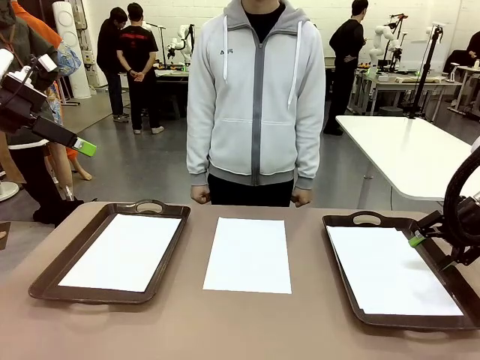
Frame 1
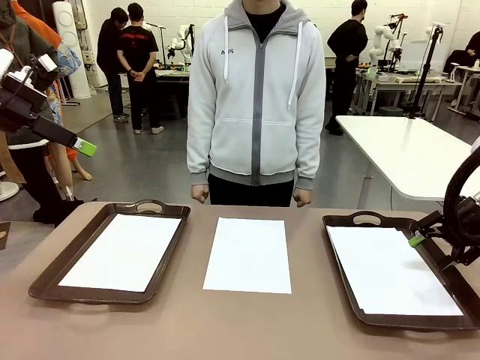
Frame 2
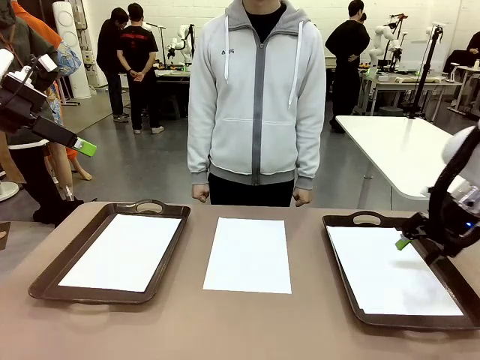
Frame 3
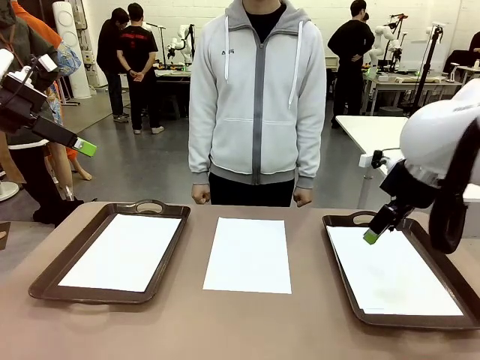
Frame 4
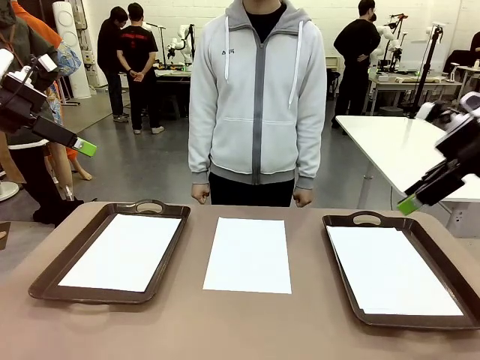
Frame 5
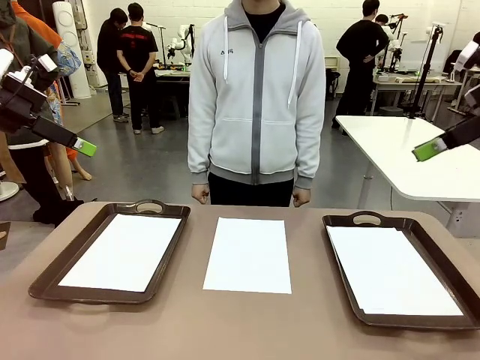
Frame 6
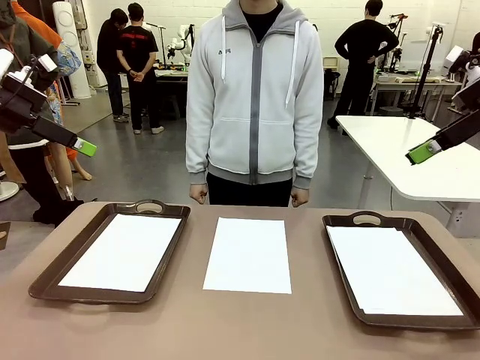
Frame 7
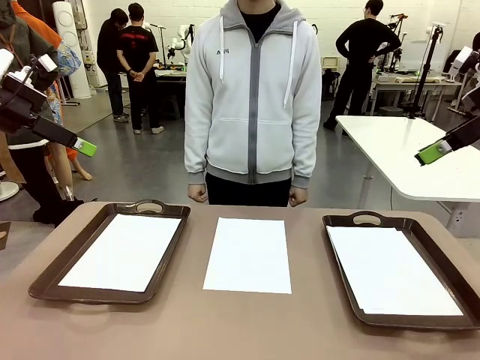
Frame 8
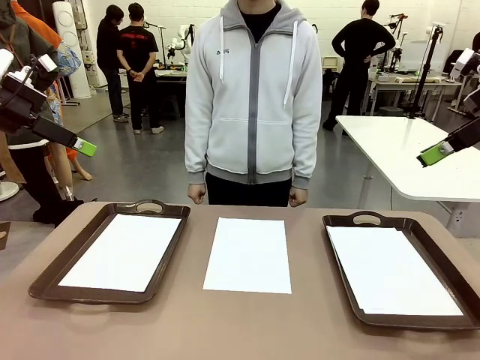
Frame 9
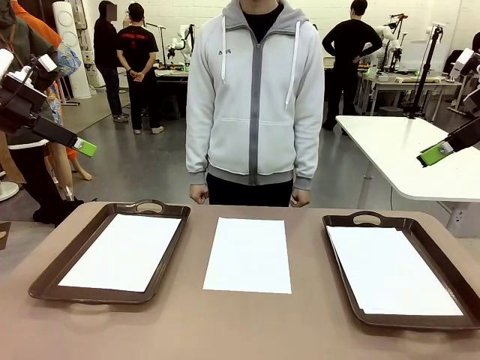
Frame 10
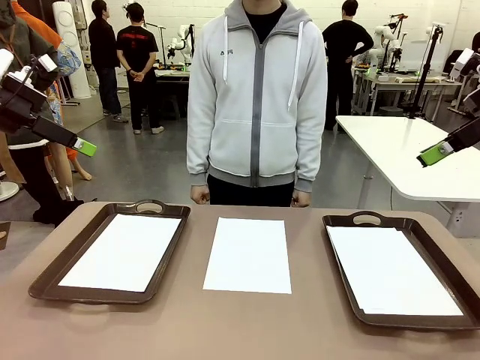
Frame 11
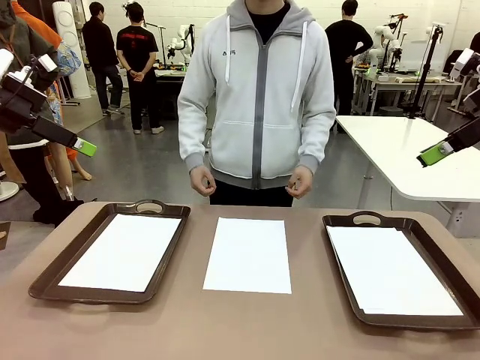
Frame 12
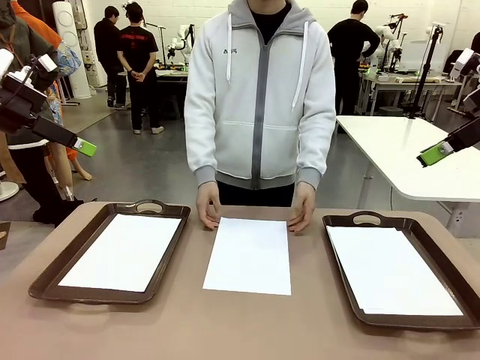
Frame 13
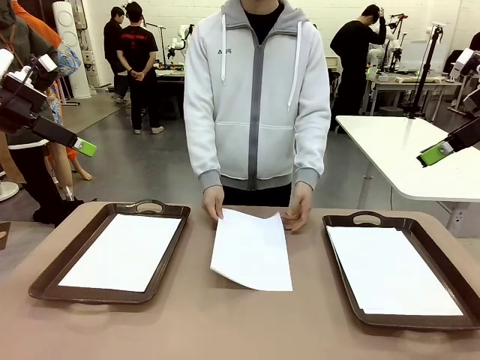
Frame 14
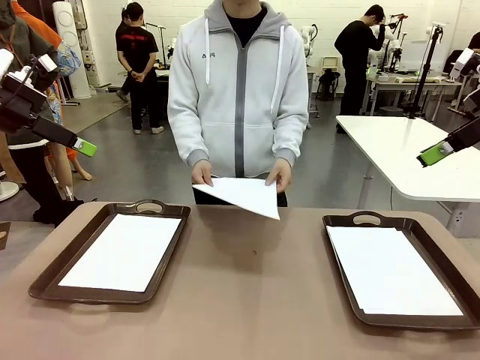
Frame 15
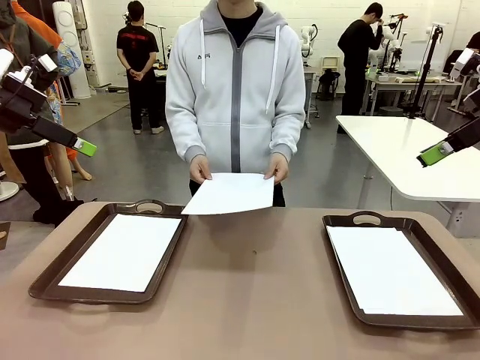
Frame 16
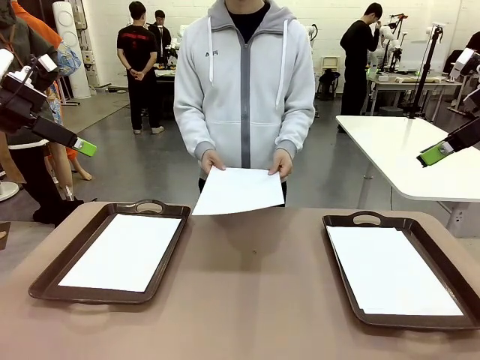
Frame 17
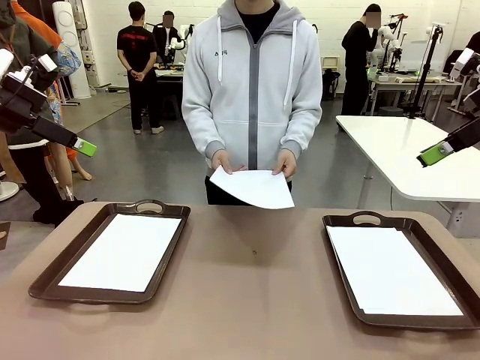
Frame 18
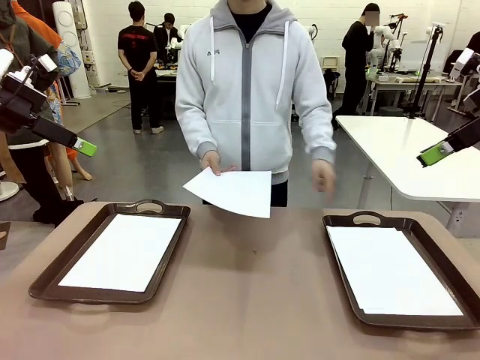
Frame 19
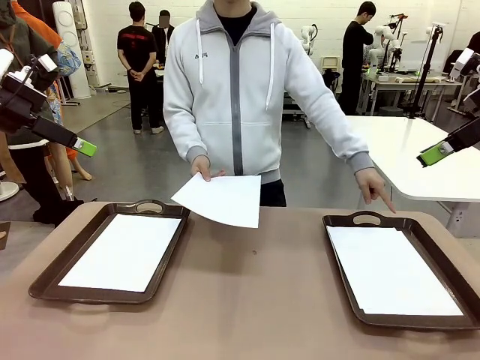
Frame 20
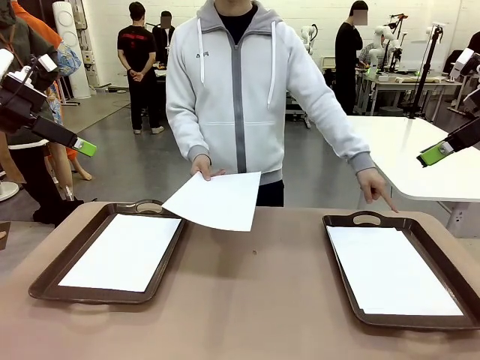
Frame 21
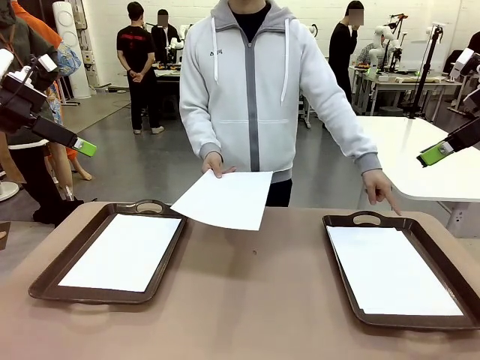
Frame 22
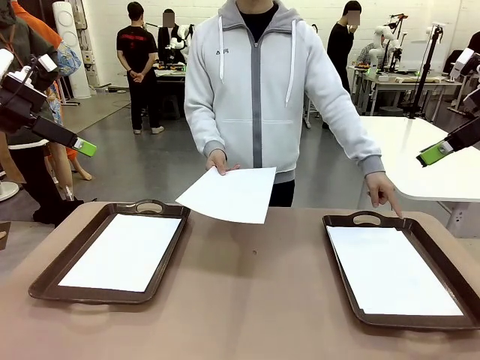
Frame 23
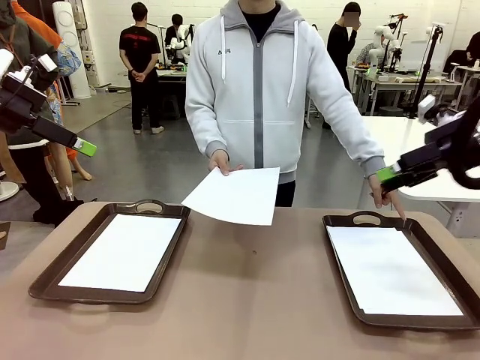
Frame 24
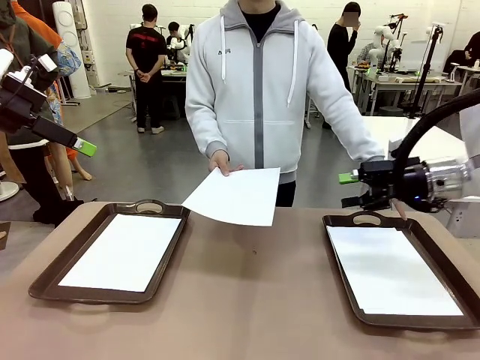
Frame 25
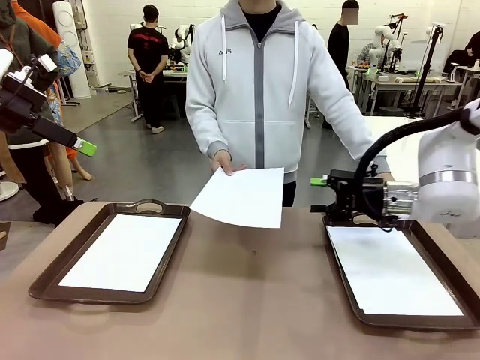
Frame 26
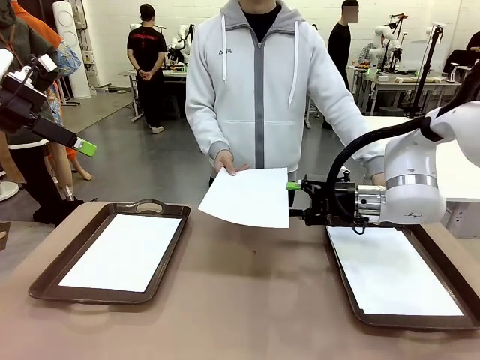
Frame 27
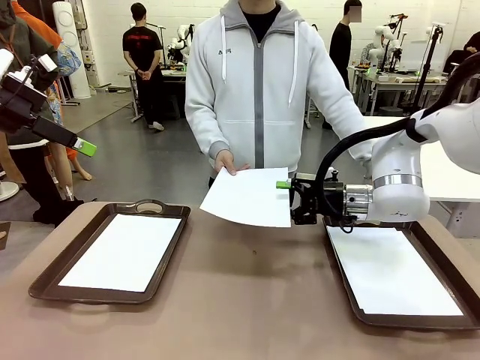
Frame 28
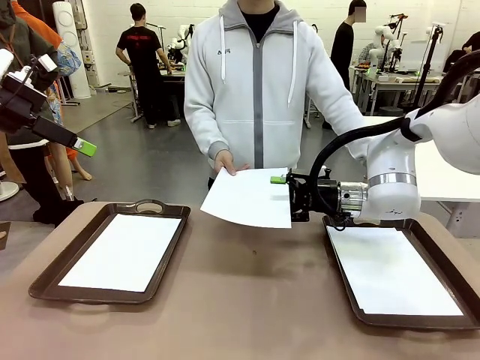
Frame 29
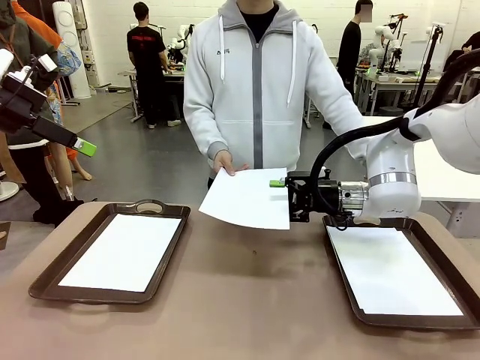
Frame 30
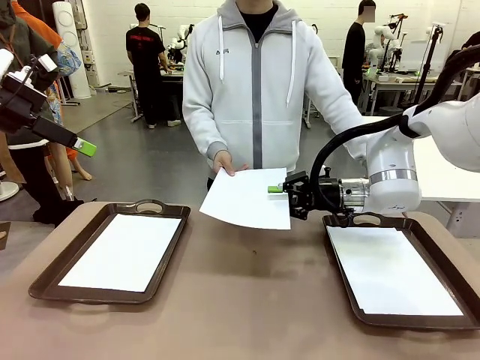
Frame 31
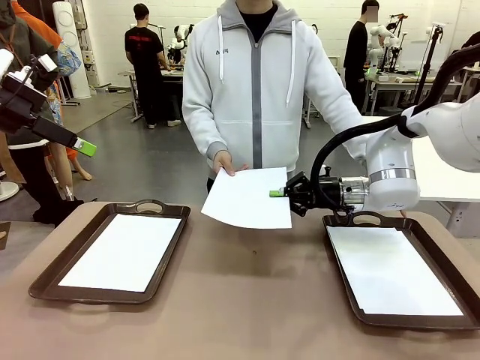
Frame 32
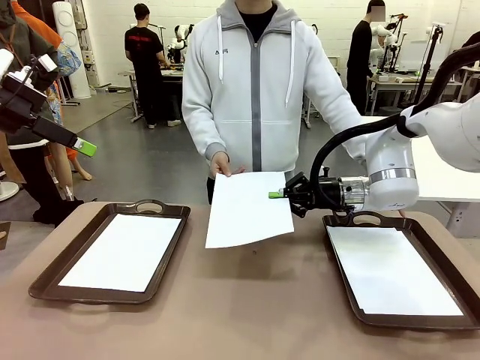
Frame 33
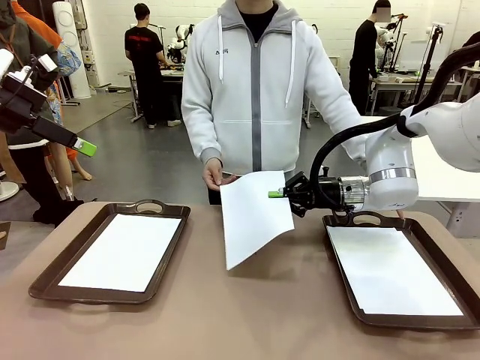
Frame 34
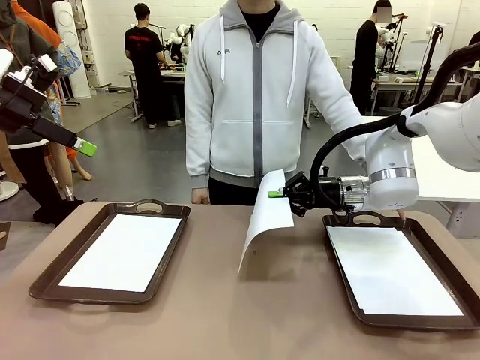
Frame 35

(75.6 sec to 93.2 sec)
Task: Sort the A4 documents.
Robot: Receive the A4 Paper.
Person: Point the randomly selected tray with the other hand.

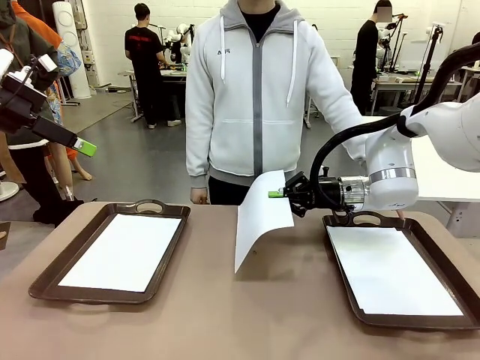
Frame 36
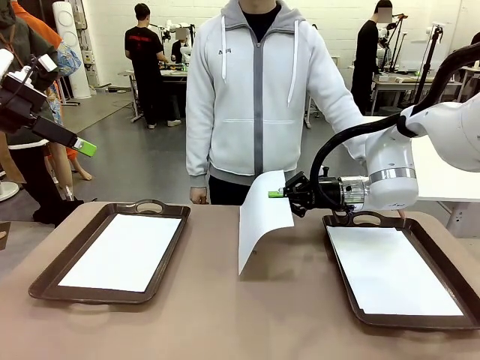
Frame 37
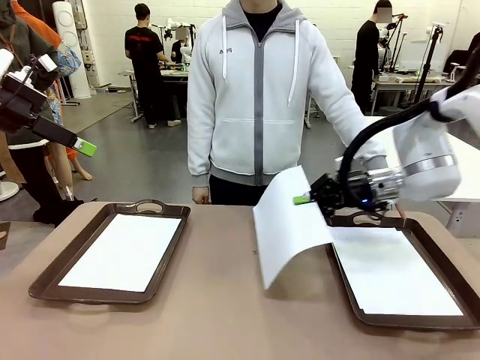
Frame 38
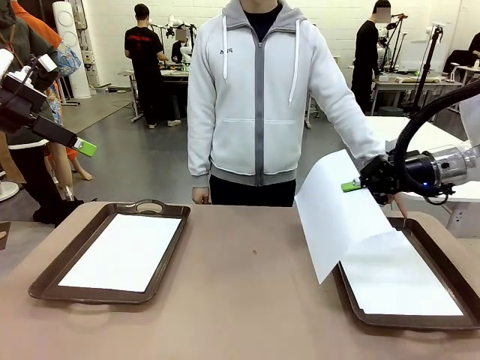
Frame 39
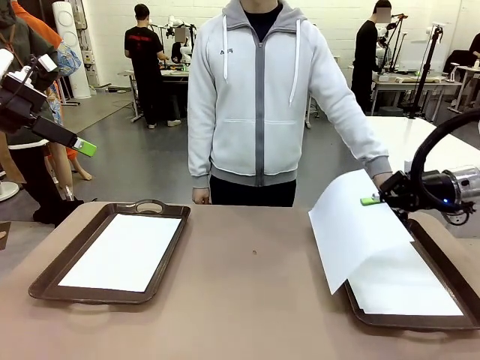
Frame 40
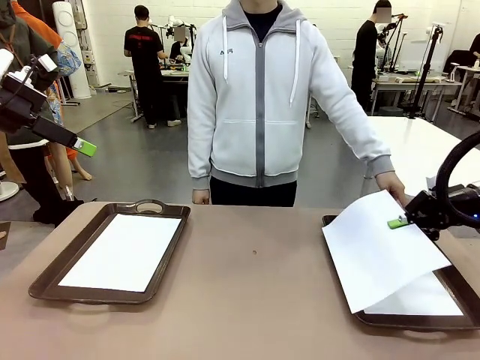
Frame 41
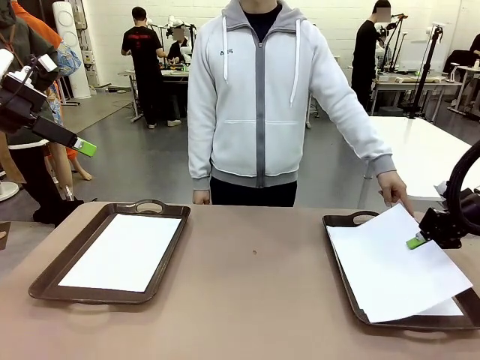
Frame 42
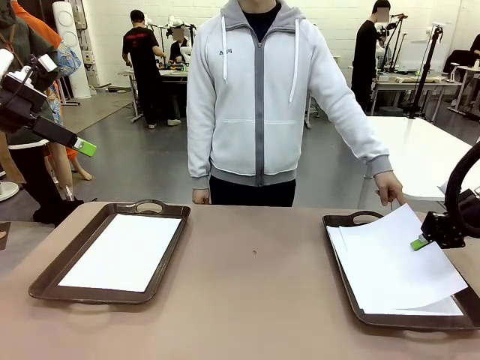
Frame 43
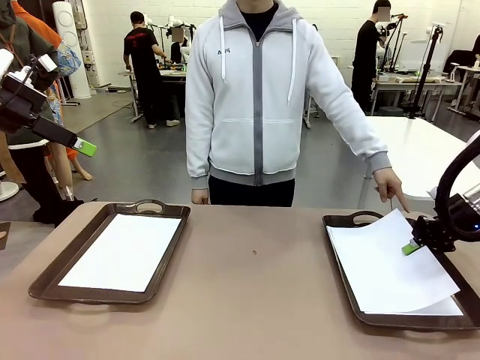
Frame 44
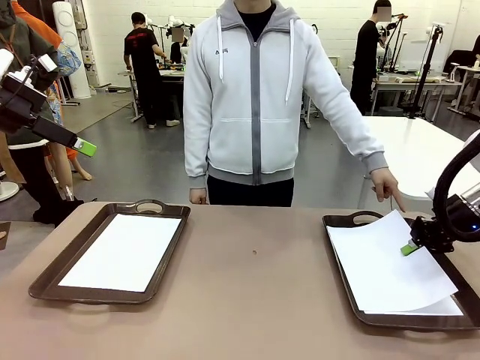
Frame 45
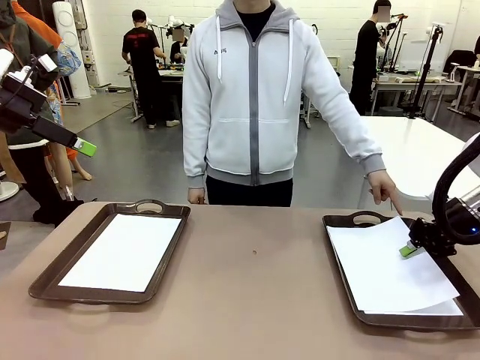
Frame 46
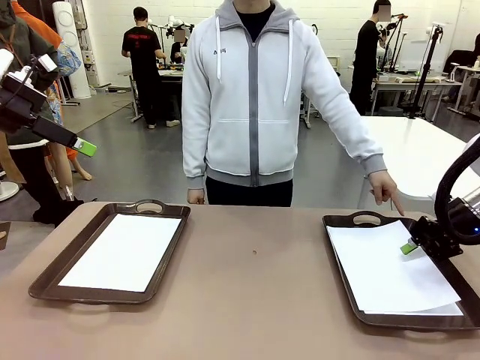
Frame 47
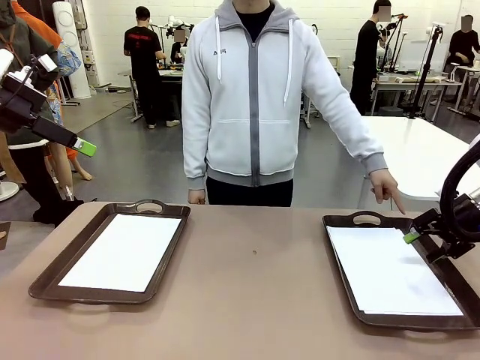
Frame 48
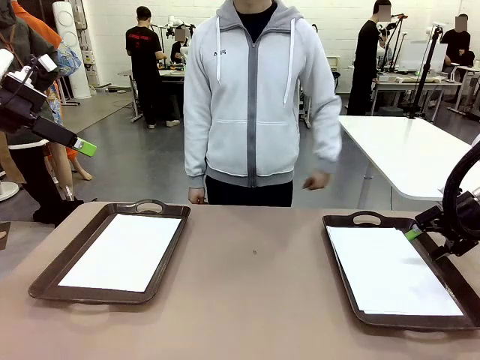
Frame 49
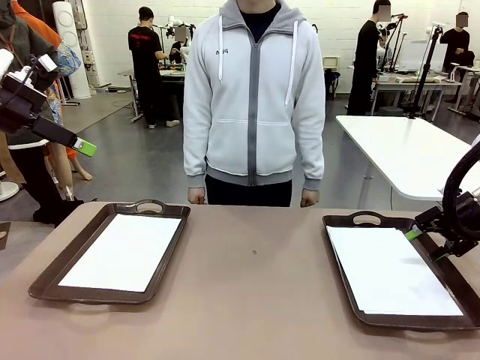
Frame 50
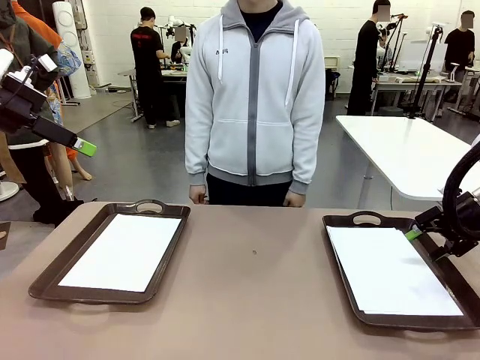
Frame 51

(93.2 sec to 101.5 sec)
Robot: Place the A4 Paper in the designated Handle tray.
